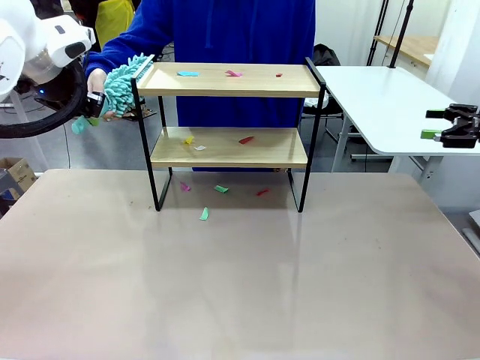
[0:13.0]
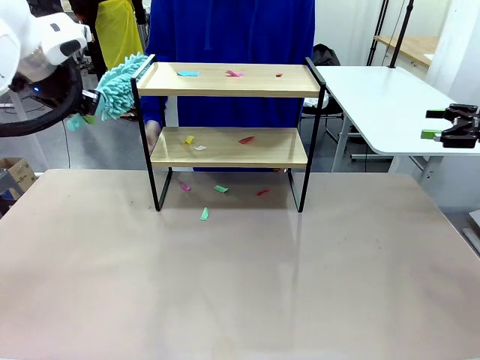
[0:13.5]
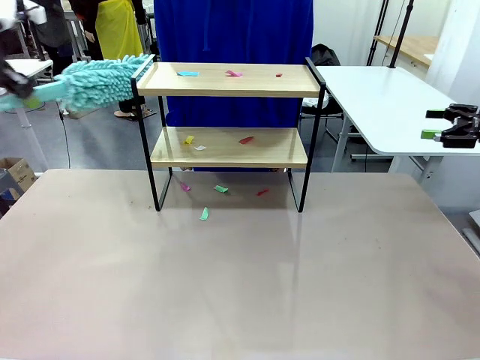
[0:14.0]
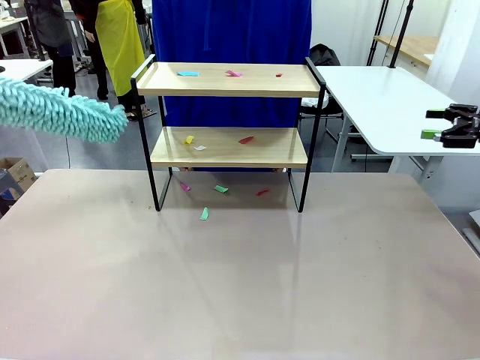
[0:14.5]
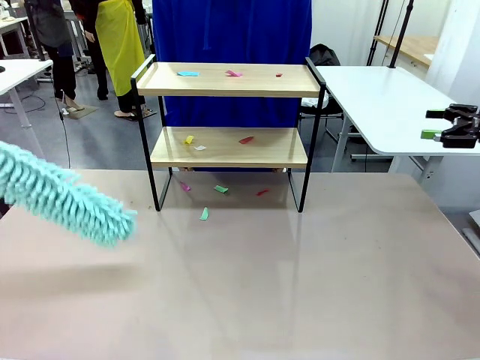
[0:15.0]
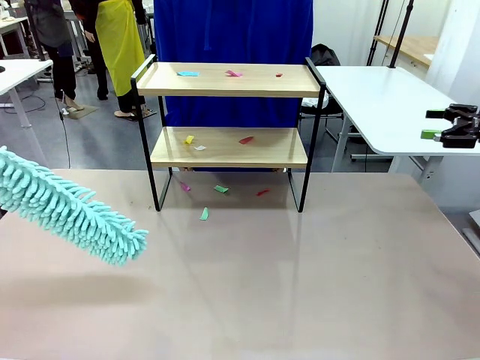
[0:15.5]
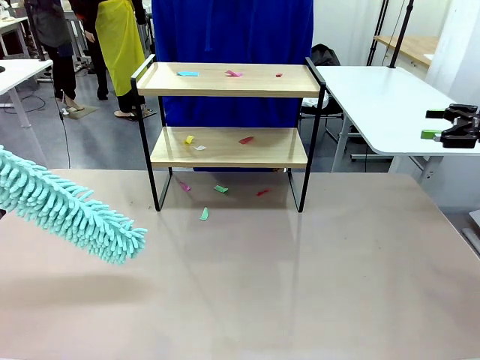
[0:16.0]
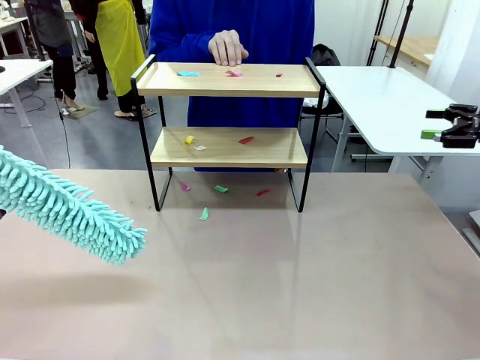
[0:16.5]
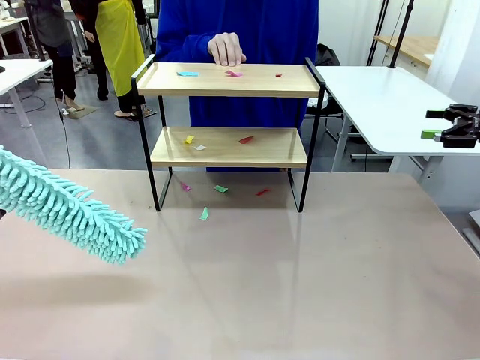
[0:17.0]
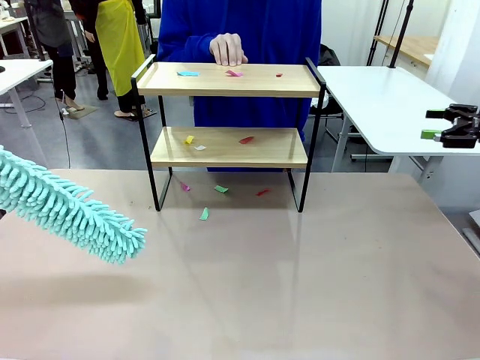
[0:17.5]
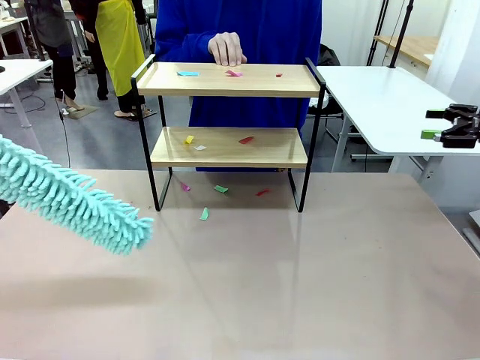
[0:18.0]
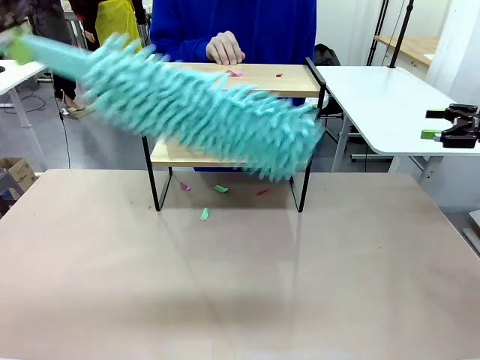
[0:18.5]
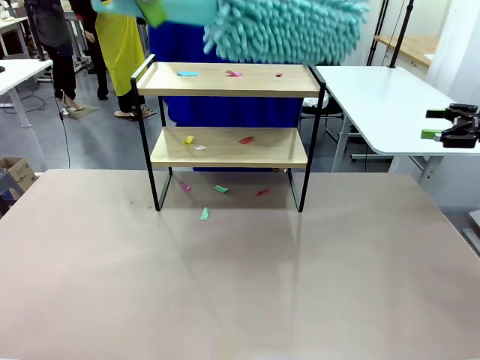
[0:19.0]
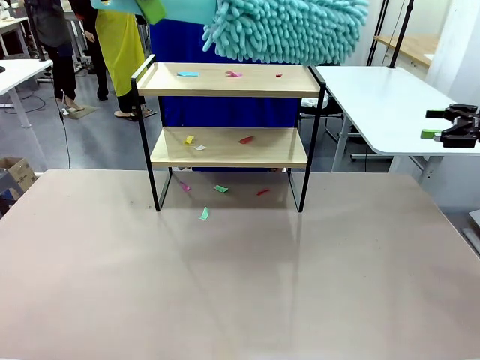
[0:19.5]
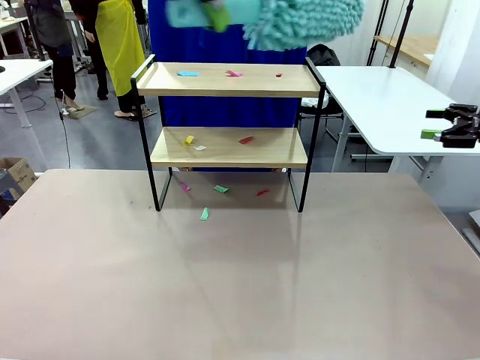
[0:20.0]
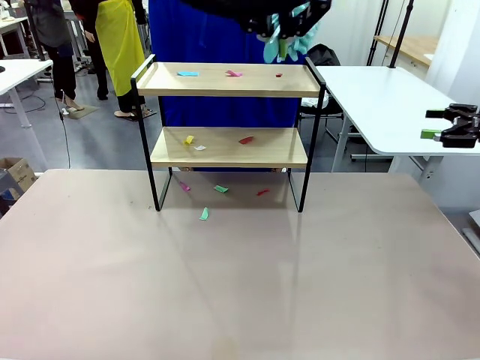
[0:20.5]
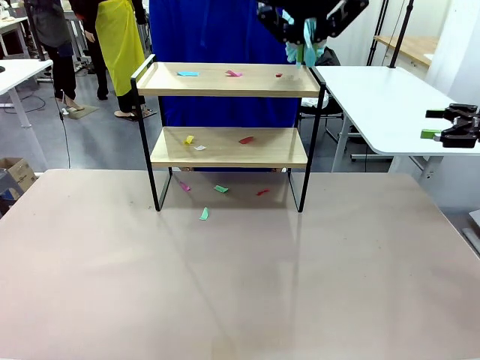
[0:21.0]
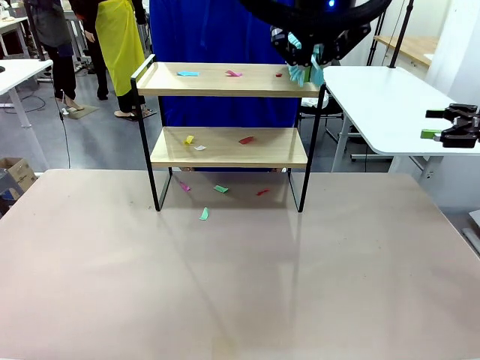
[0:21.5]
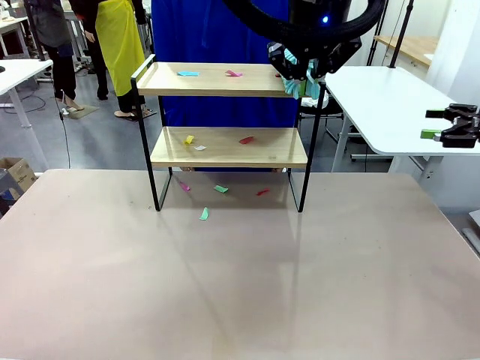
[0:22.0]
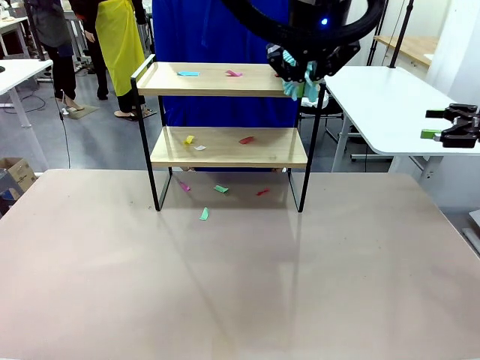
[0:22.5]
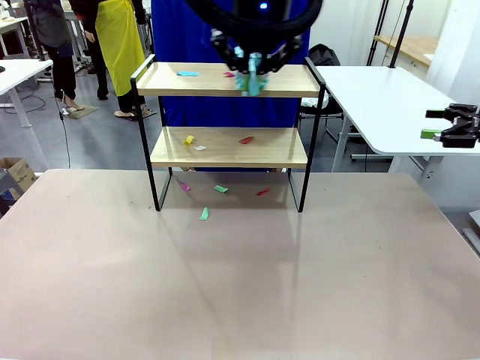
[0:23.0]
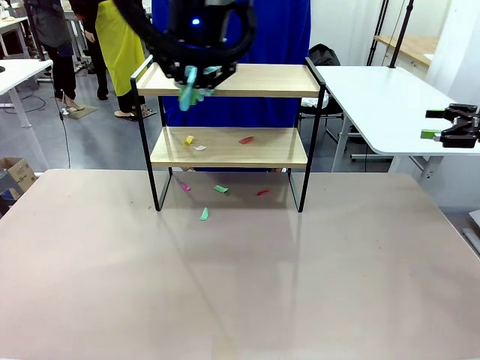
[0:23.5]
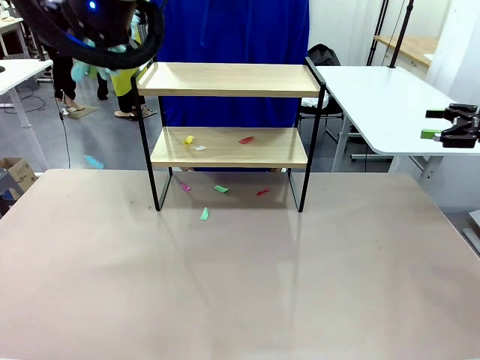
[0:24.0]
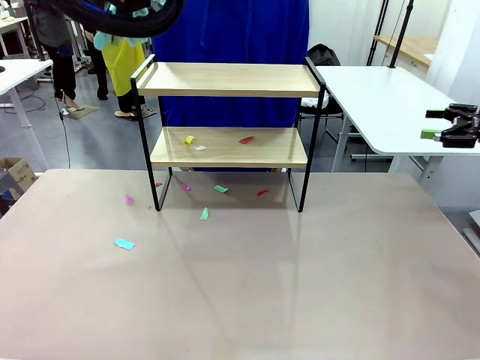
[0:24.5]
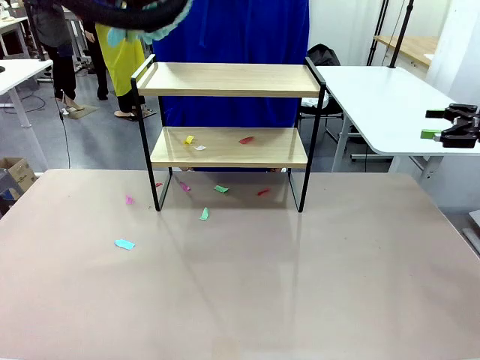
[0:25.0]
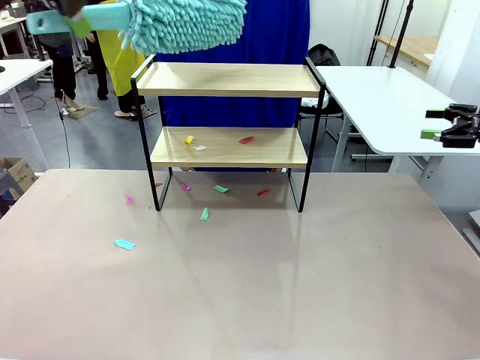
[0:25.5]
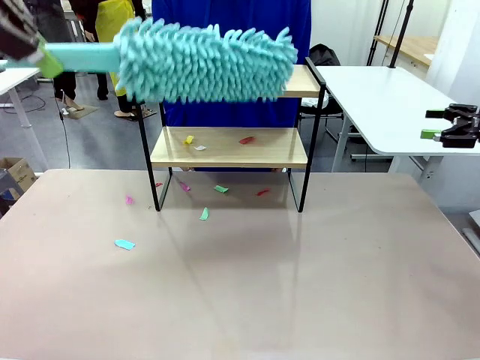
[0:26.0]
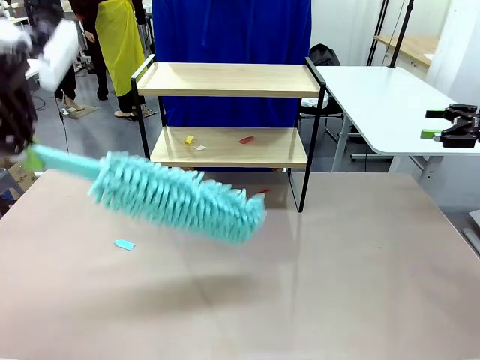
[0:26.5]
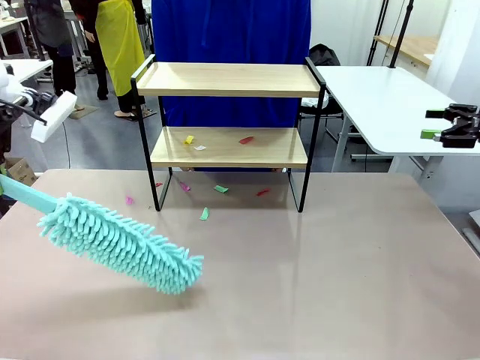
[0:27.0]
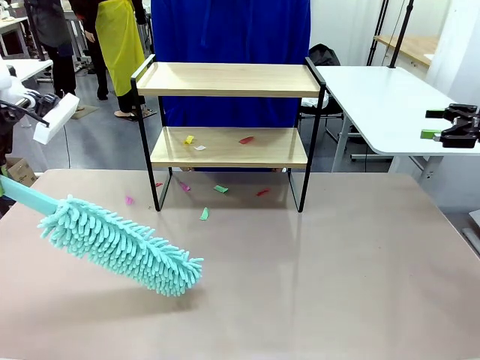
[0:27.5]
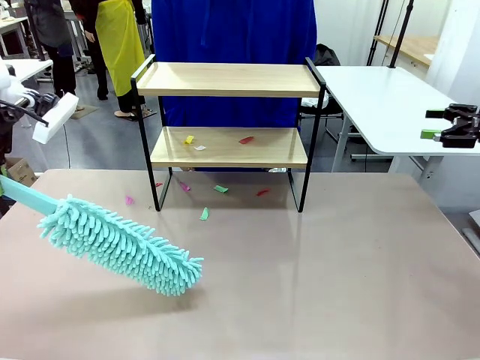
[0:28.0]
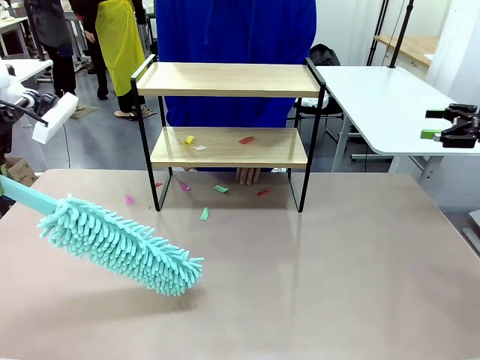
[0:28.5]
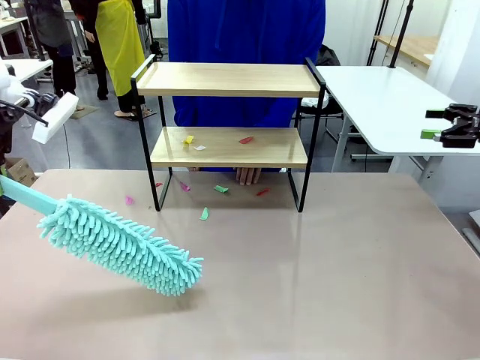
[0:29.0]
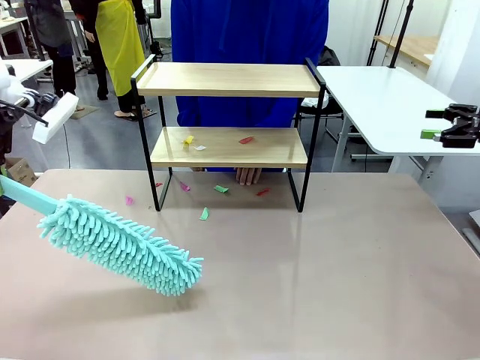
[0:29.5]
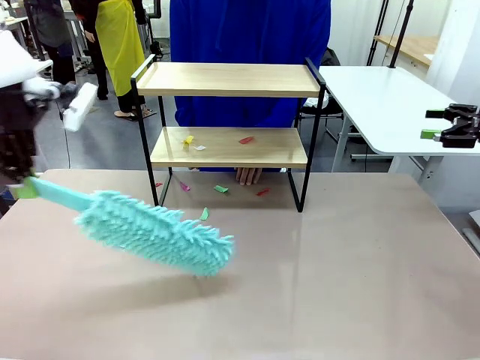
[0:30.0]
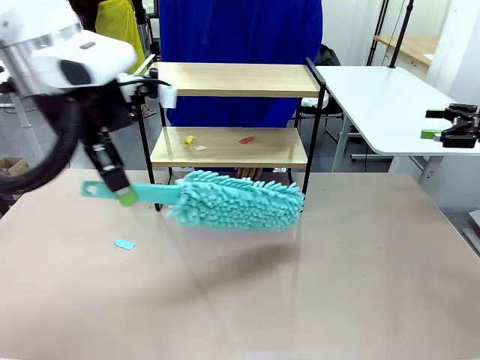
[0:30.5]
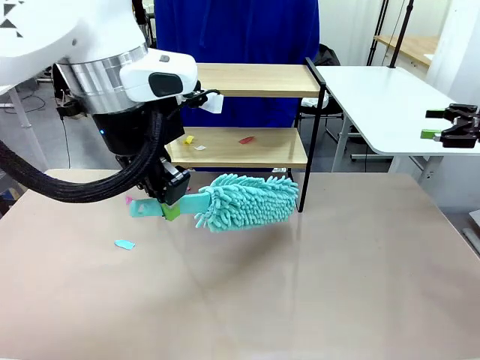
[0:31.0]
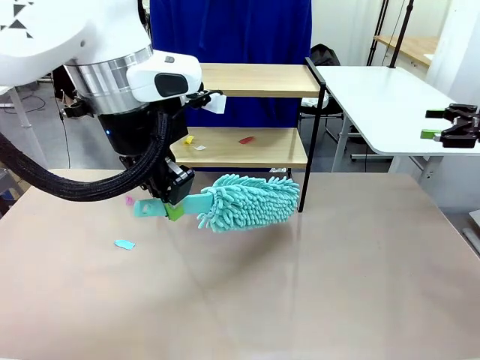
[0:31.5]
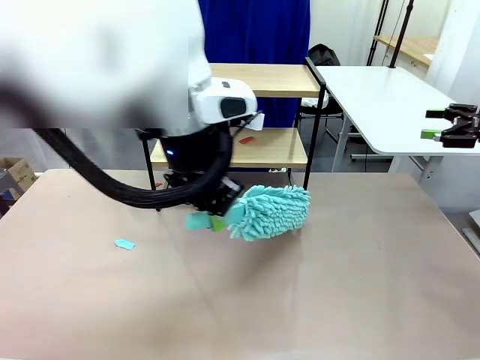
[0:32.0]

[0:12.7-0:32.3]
Task: Clean the shelf.
Robot: Clean the specific section of the Shelf indicated by the human with the Duster.
Person: Point a random section of the Shelf.
